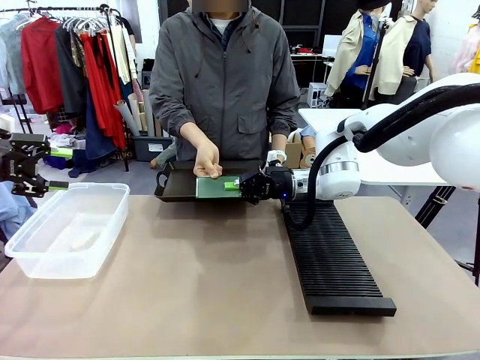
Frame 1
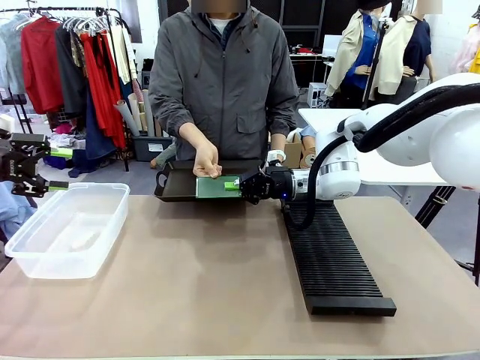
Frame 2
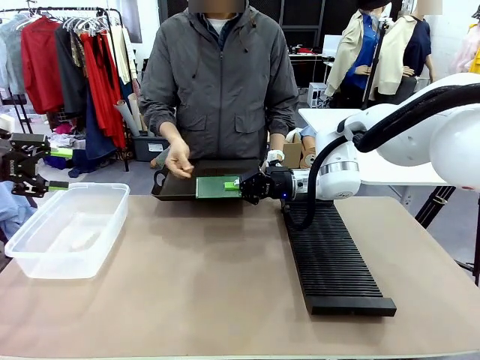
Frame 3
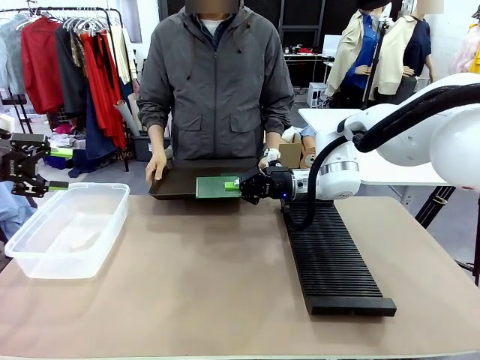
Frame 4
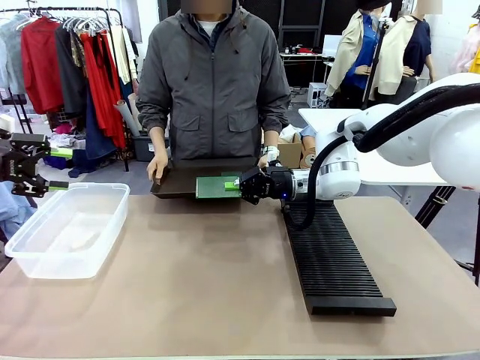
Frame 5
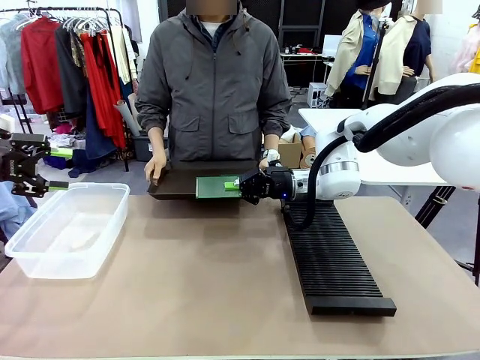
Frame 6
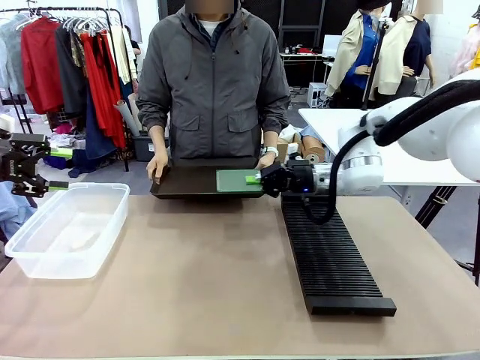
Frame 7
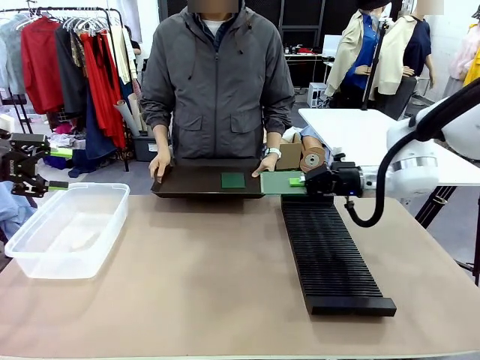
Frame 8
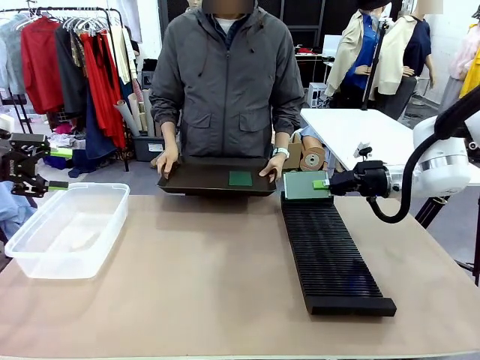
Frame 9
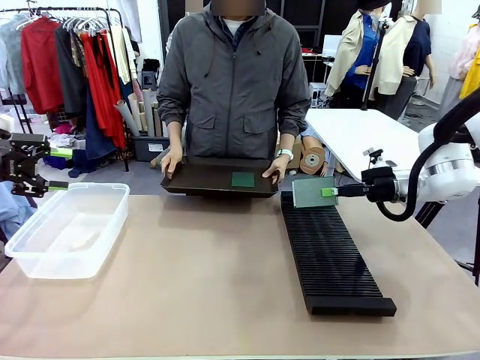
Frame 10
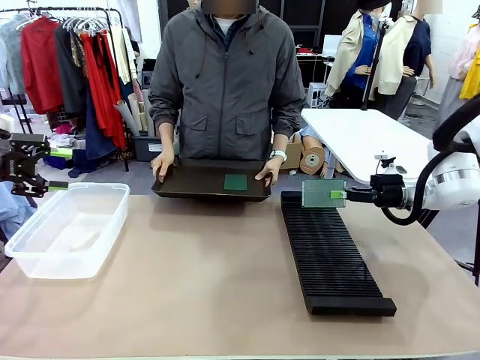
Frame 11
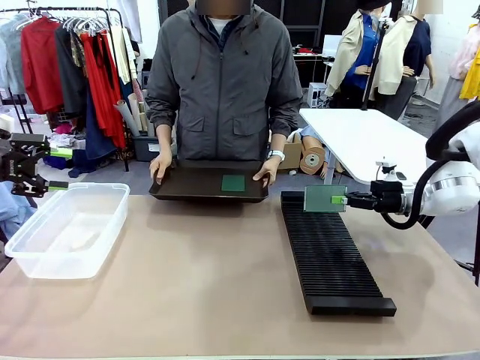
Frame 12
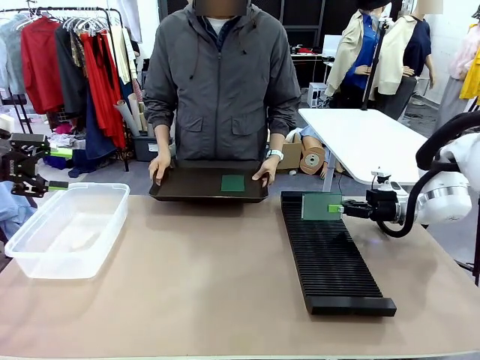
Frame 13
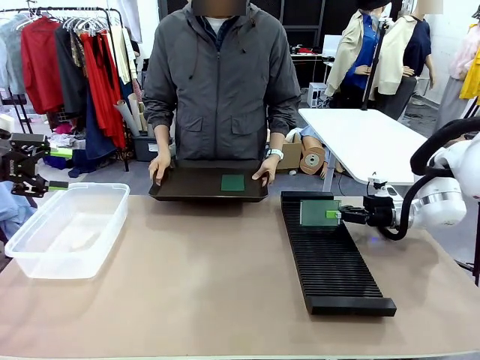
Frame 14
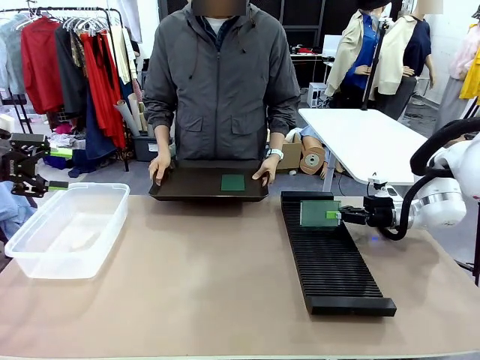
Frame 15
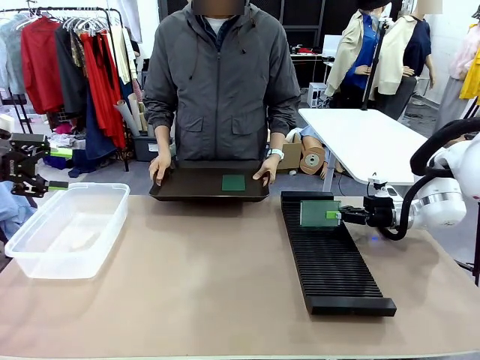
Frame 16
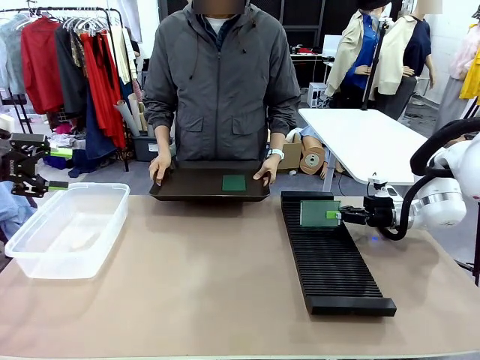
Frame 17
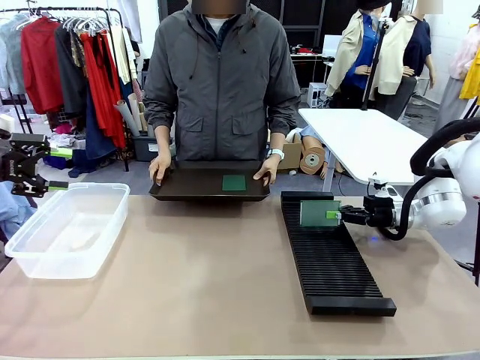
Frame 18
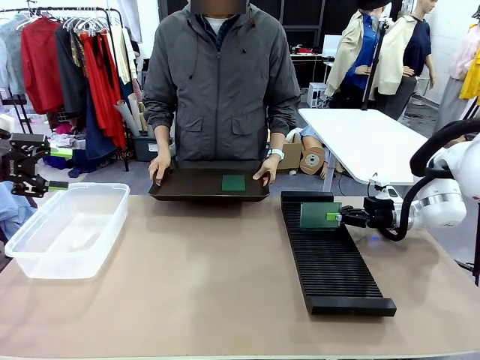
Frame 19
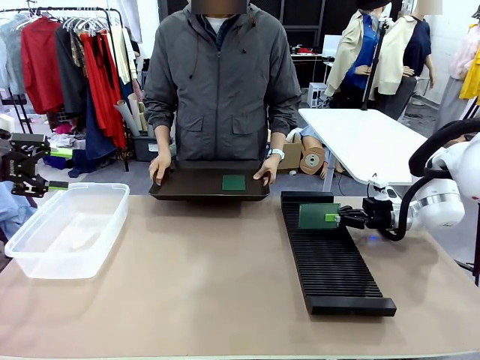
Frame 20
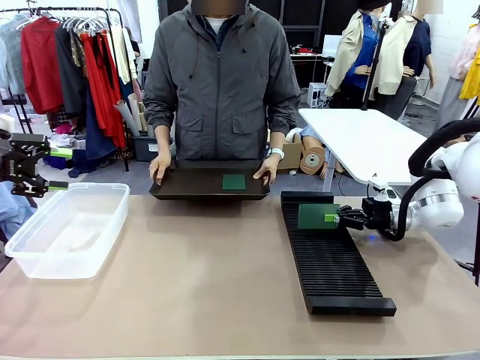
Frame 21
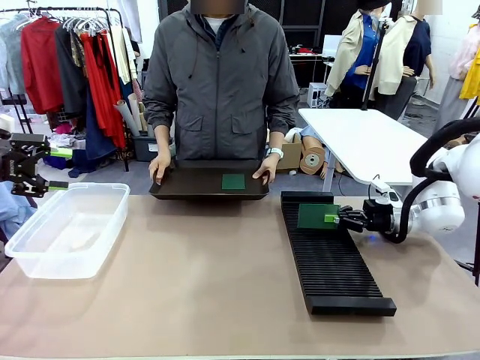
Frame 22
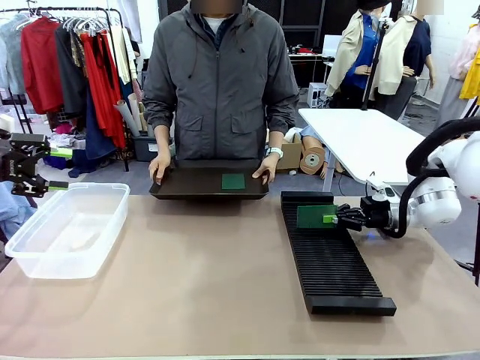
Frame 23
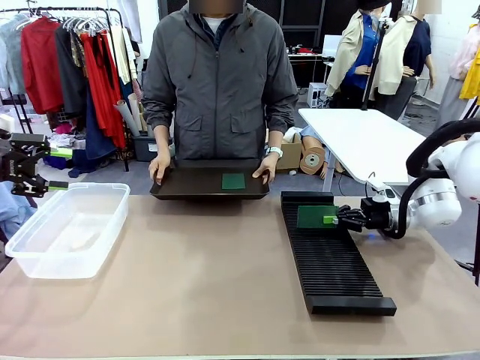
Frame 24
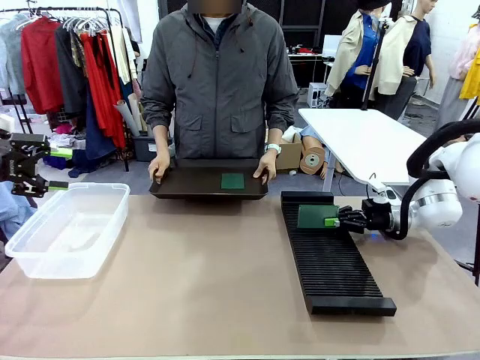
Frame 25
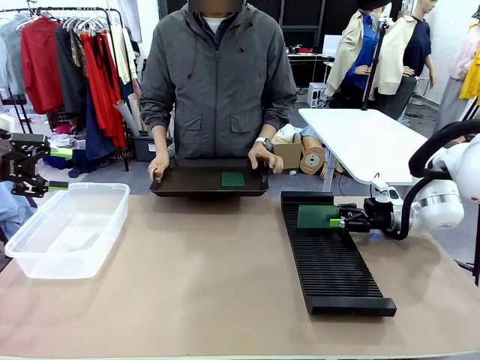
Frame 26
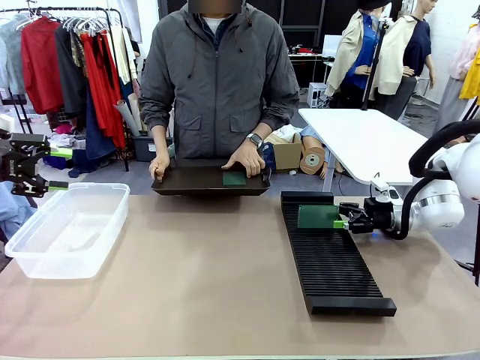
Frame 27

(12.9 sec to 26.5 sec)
Task: Sort PCBs into racks and boxes based on the side picked up.
Robot: If the short side of the Blank PCB is picked up, insert it into the PCB Rack ; if the long side is picked up, place it in the Organizing box.
Person: Pick one PCB from the tray and present it to the robot.

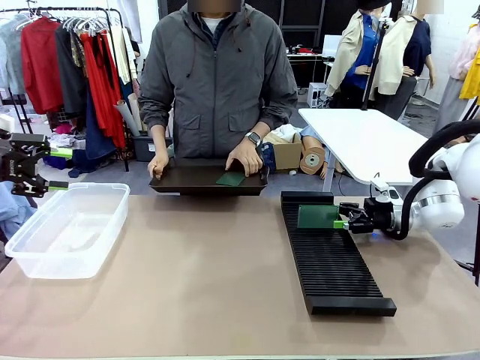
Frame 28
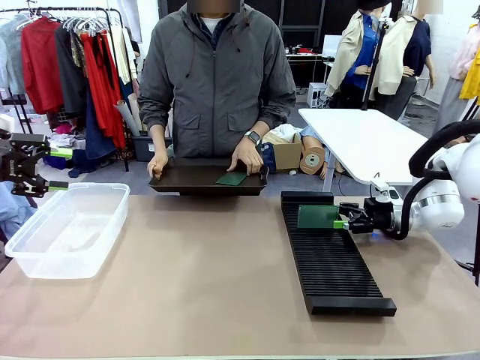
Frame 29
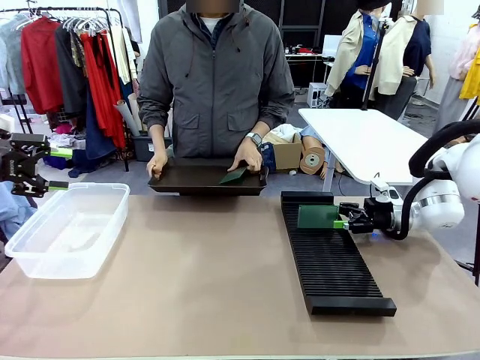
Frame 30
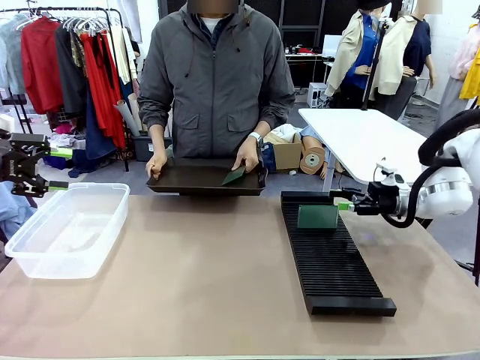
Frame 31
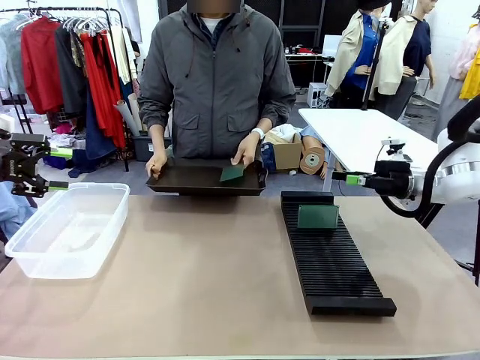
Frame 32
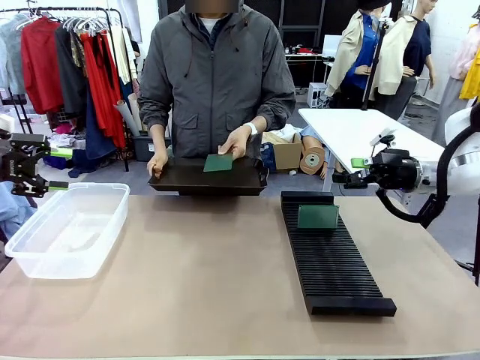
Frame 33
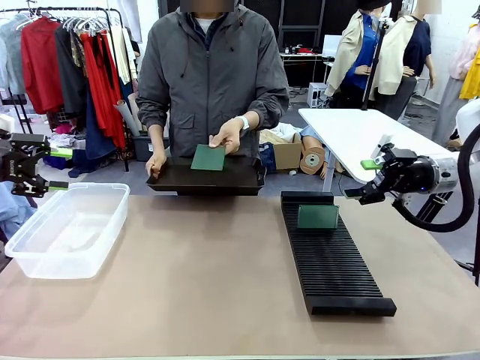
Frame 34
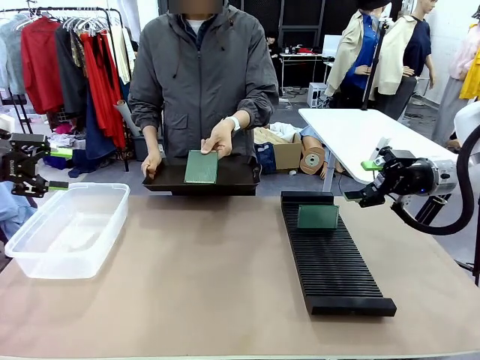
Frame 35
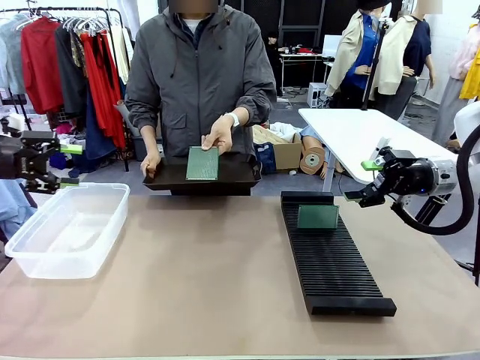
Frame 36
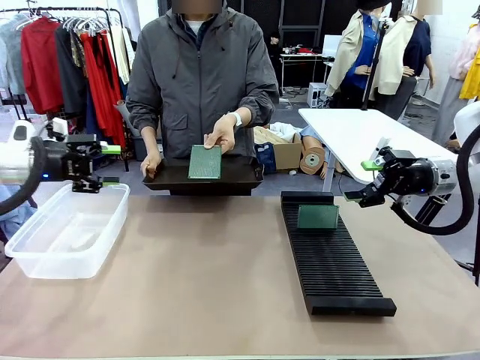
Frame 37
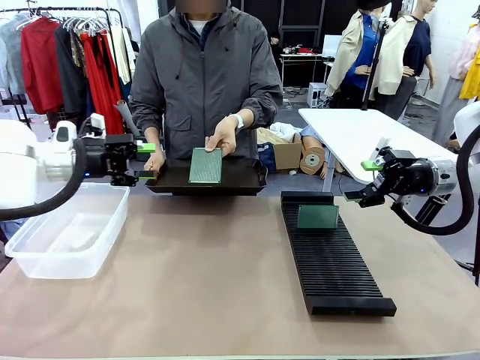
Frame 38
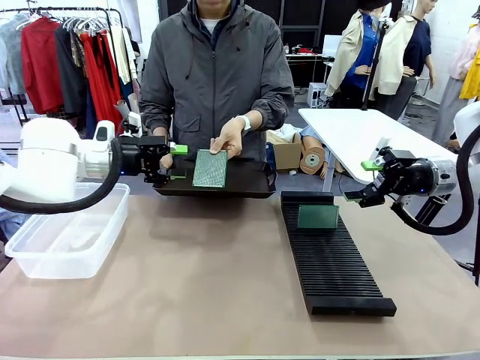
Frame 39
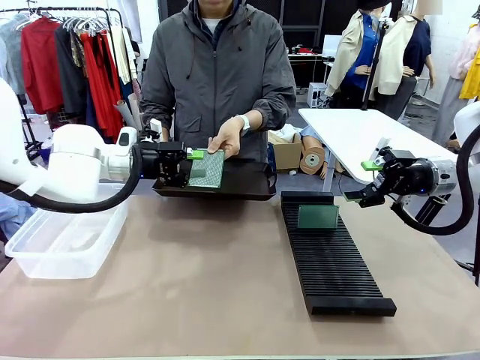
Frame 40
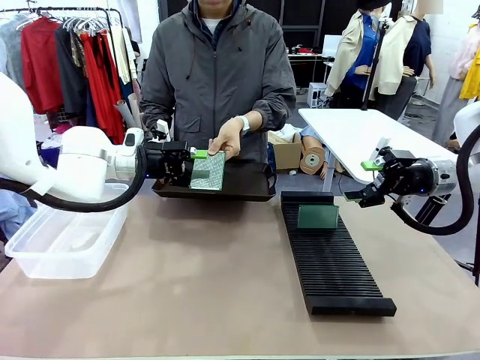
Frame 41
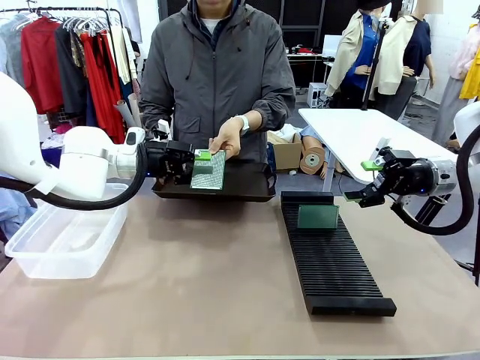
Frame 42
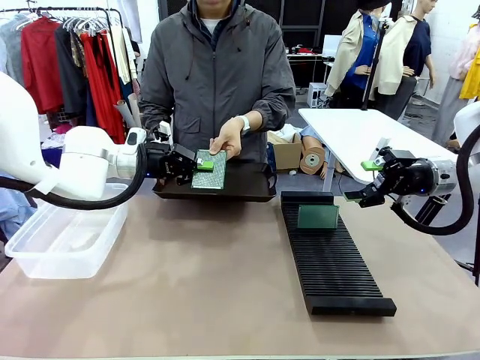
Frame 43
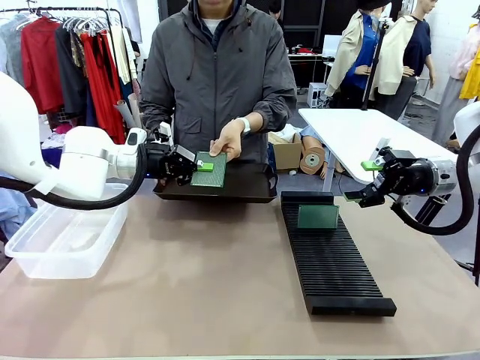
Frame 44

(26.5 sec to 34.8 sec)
Robot: Pick up the Blank PCB handed by the Human.

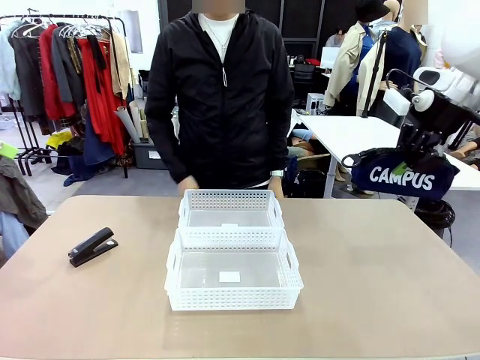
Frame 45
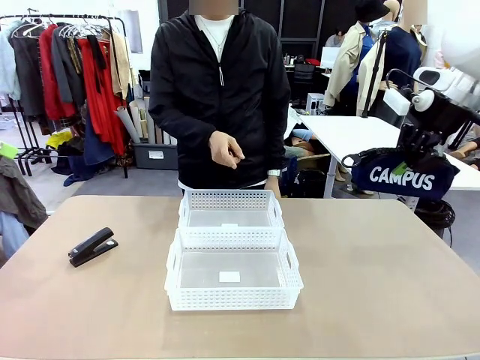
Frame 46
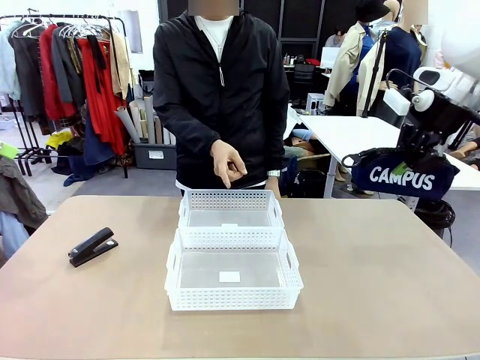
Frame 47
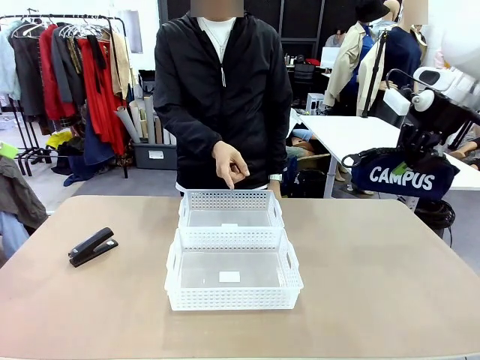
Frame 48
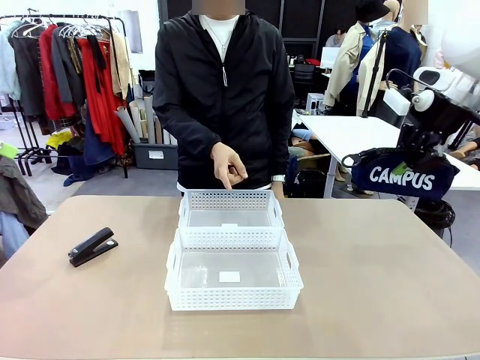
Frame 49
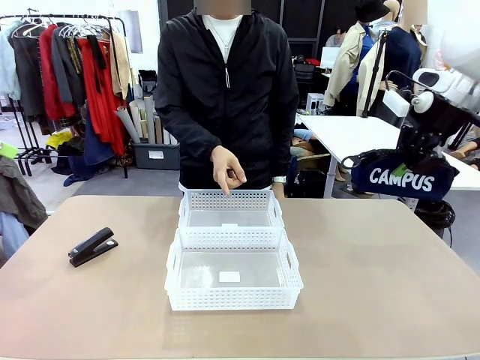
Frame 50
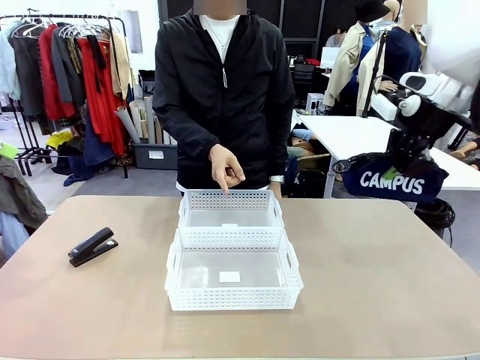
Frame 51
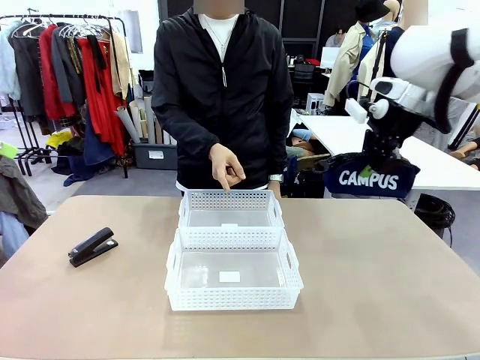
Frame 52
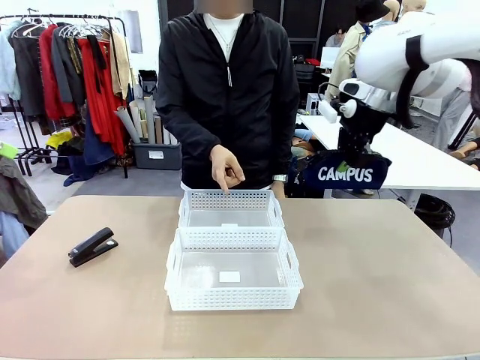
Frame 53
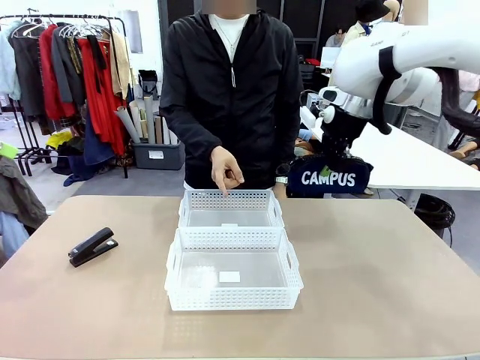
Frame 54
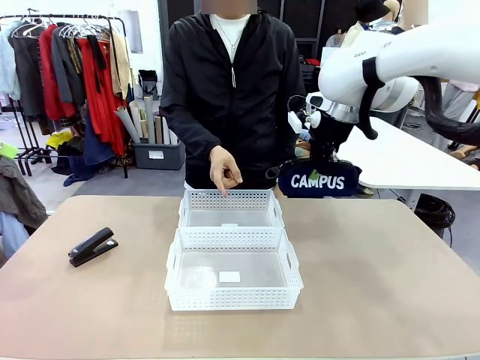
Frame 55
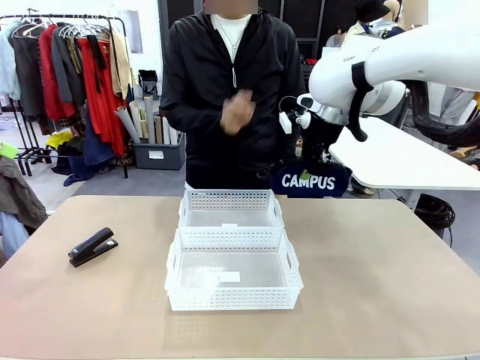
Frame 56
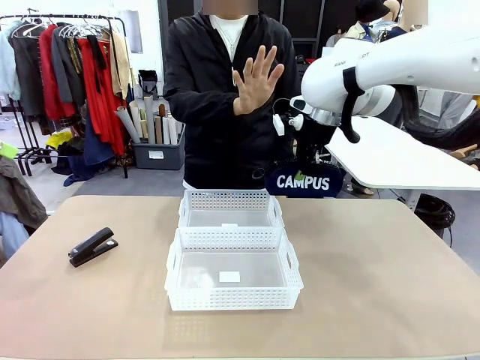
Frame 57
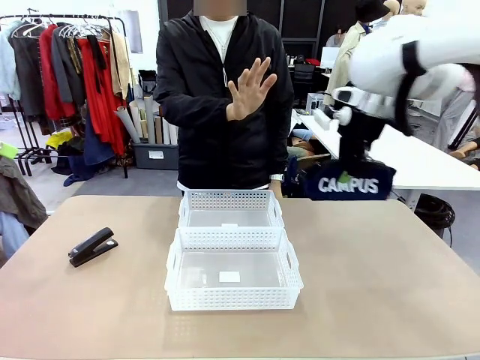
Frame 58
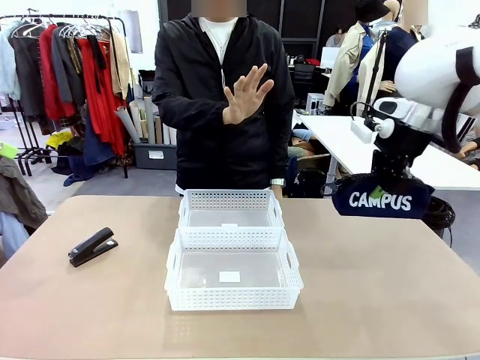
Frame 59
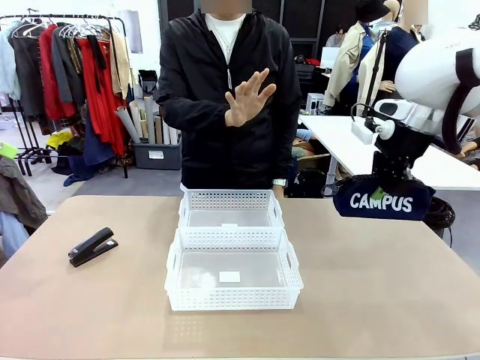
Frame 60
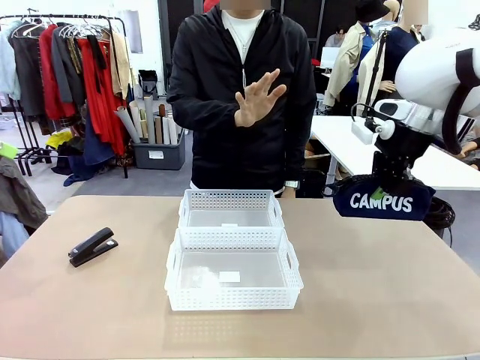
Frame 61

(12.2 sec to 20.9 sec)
Task: Distribute items into two baskets.
Robot: Move the picked Pencil pouch towards the Organizing basket indicated by the person, stopping as directed.
Person: Sends a stop gesture before the robot places the pencil case into the basket.
